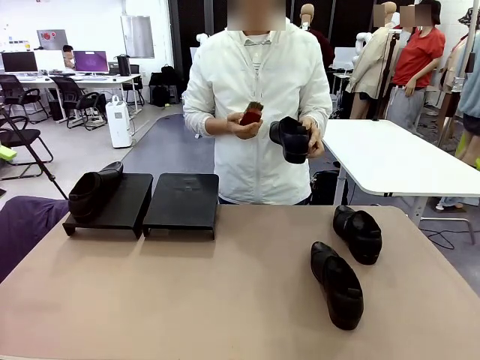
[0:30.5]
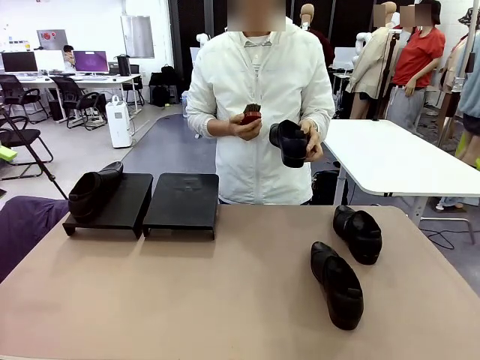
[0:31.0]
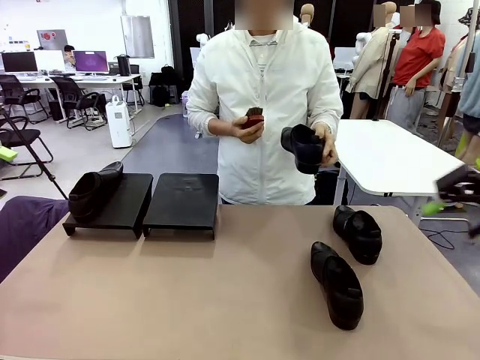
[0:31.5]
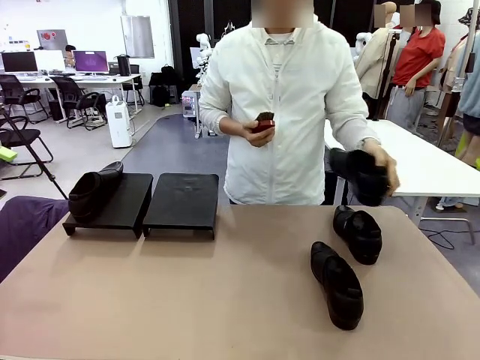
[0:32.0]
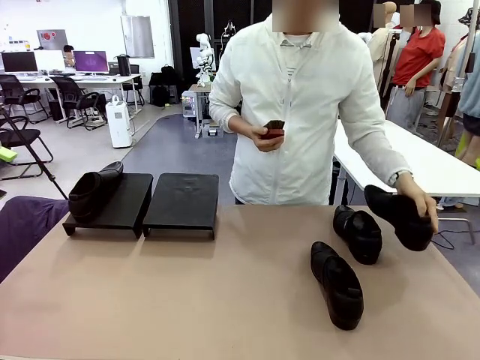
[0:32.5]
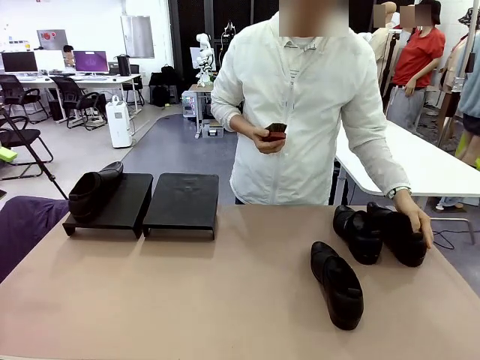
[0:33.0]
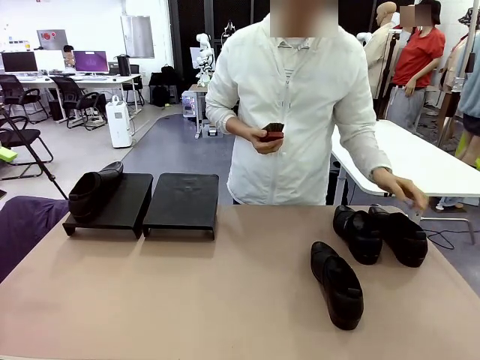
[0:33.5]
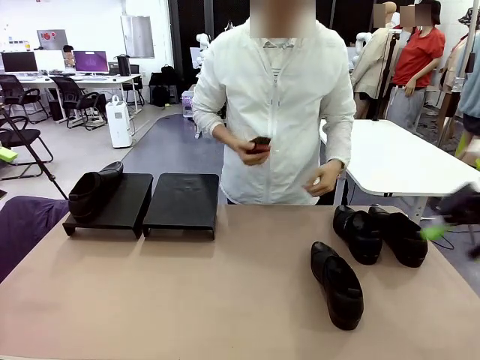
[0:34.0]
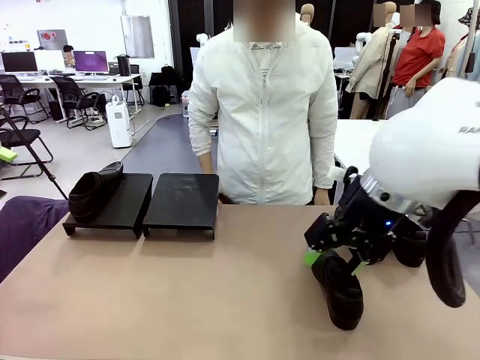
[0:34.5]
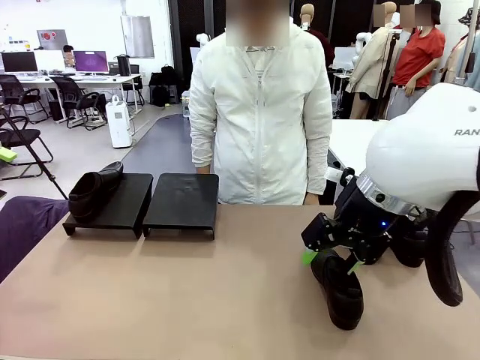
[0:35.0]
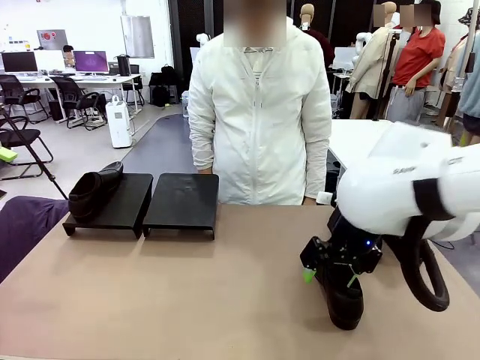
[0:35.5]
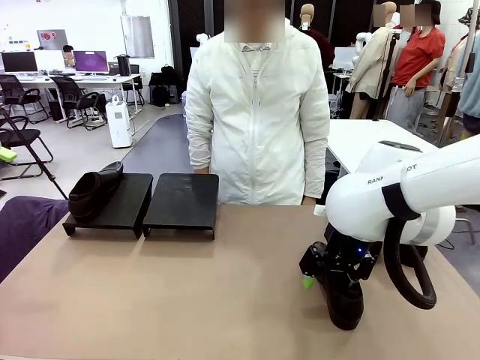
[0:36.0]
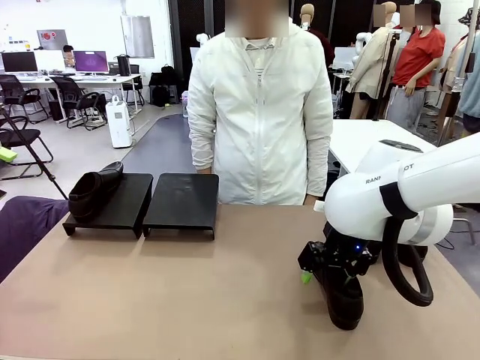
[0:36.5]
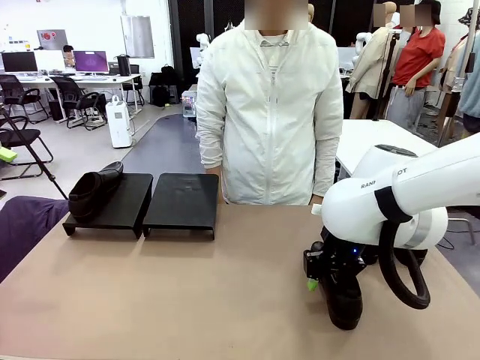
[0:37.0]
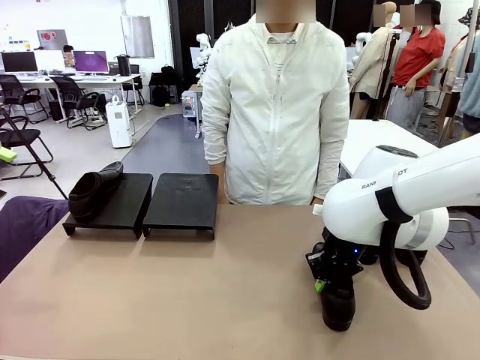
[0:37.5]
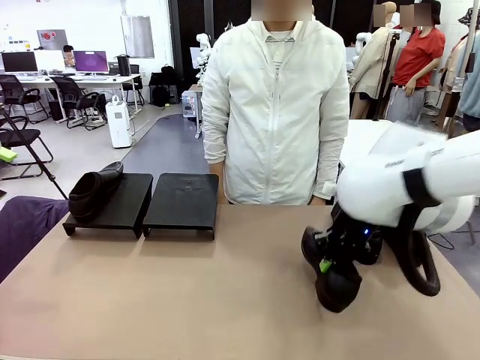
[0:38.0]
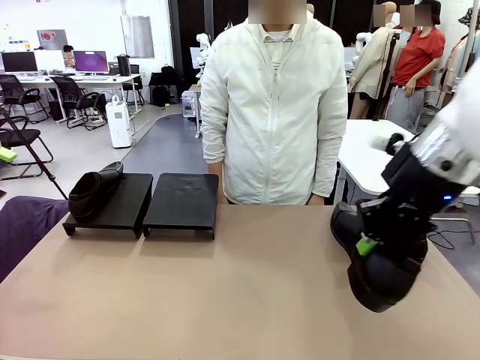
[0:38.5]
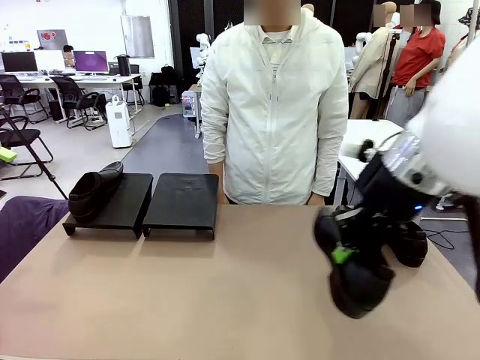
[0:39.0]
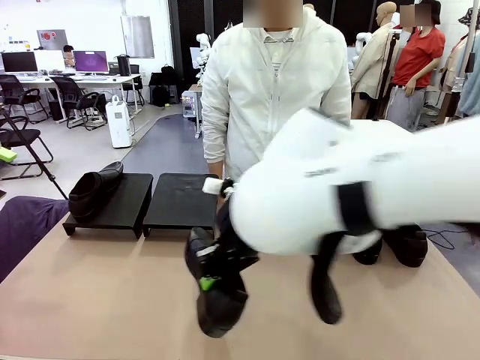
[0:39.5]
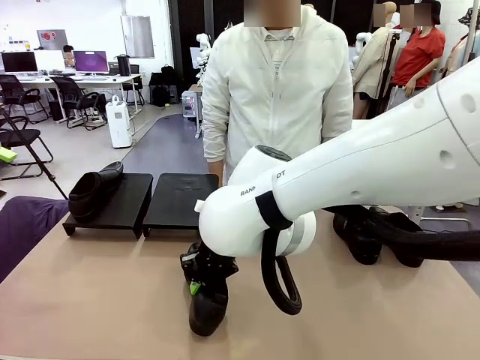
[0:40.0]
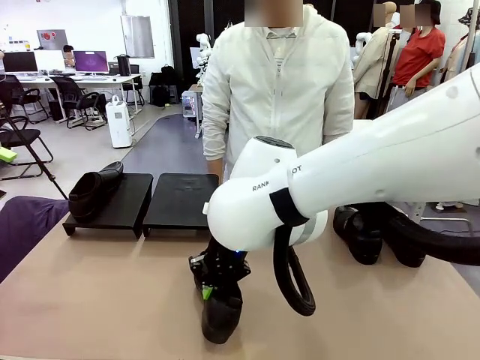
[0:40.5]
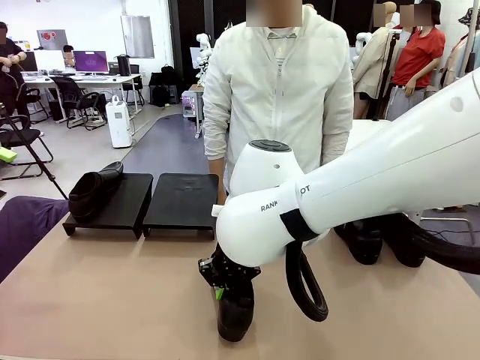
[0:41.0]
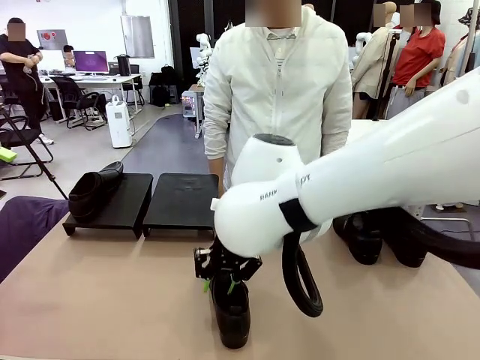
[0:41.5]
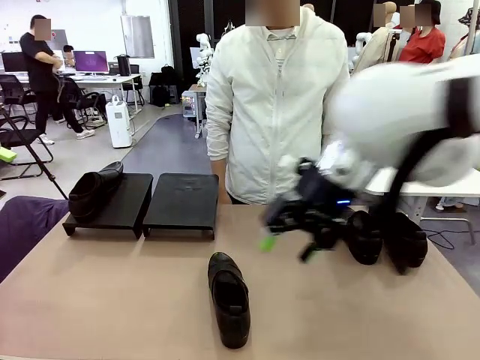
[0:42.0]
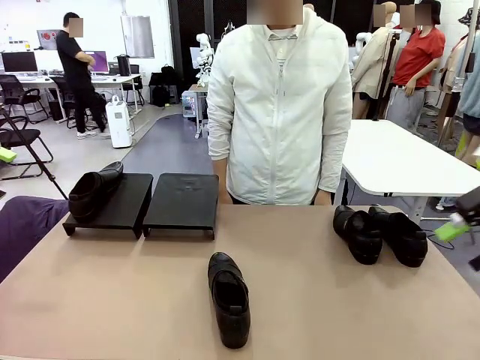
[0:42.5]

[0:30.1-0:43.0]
Task: Organize the shoes by placing them on the stand.
Robot: Pick up one Shoe and place it in the middle of the table.

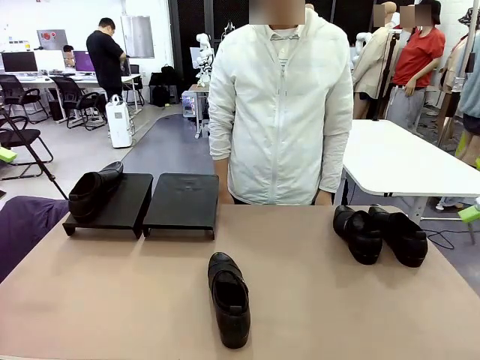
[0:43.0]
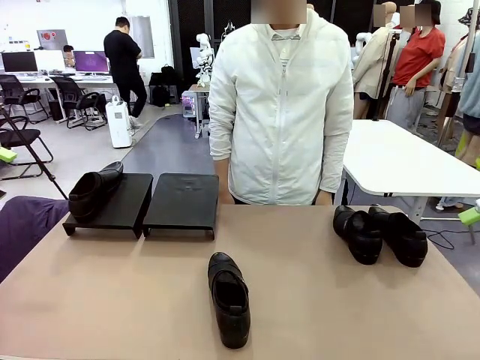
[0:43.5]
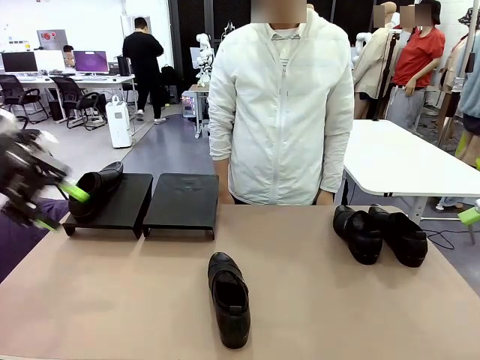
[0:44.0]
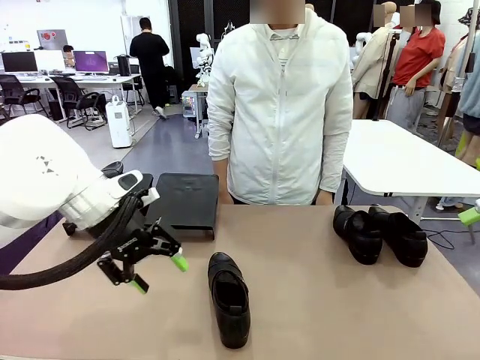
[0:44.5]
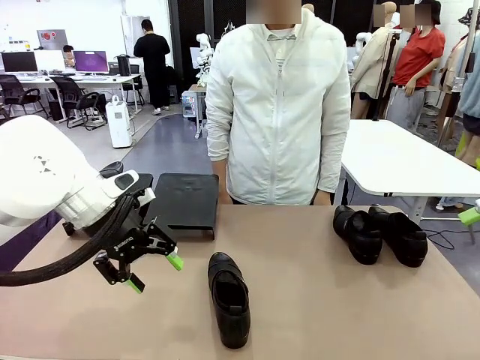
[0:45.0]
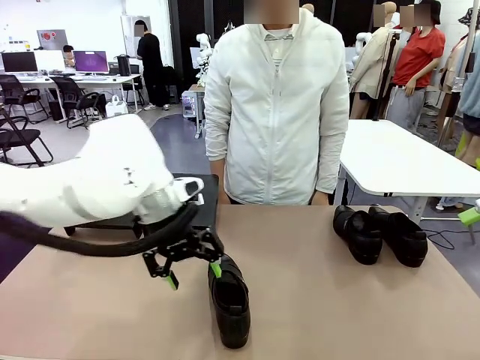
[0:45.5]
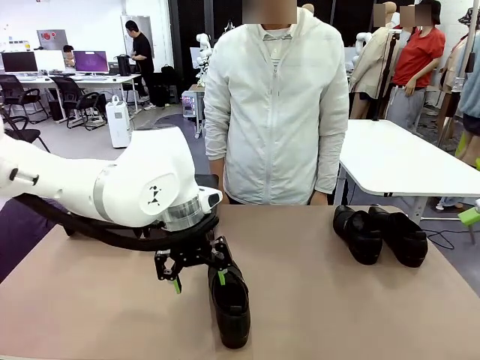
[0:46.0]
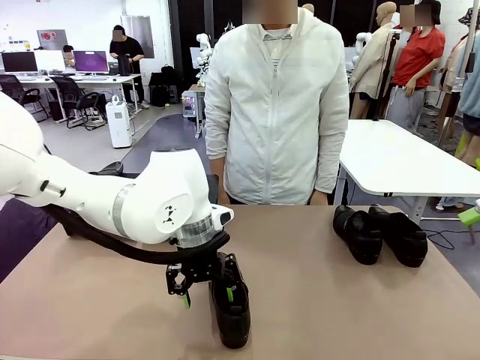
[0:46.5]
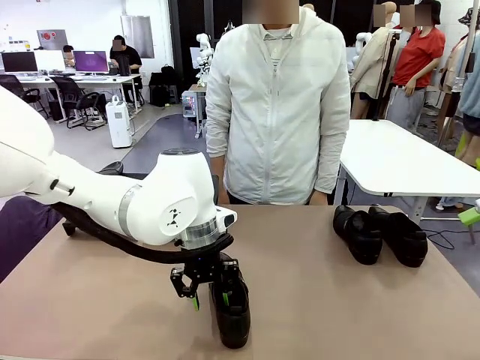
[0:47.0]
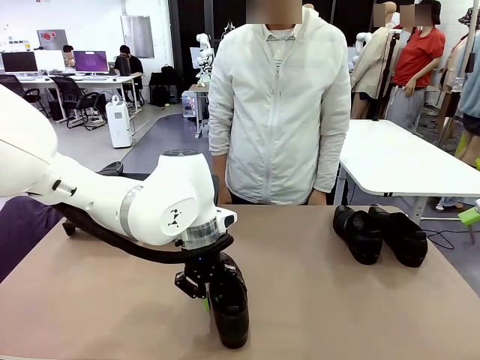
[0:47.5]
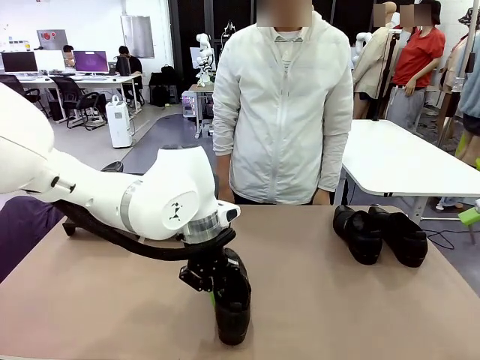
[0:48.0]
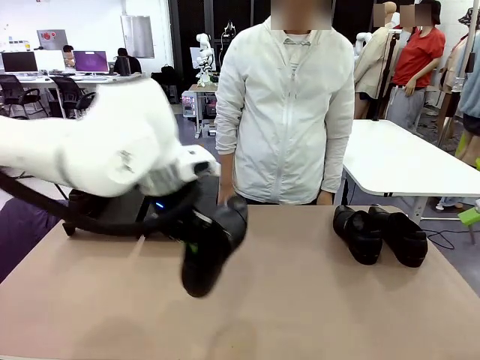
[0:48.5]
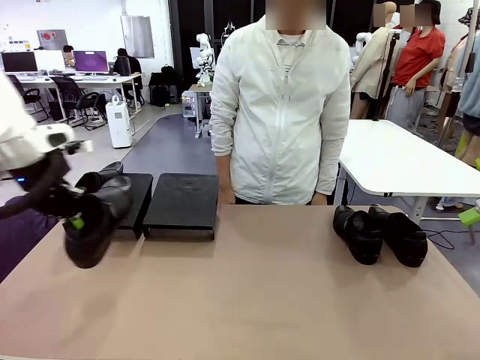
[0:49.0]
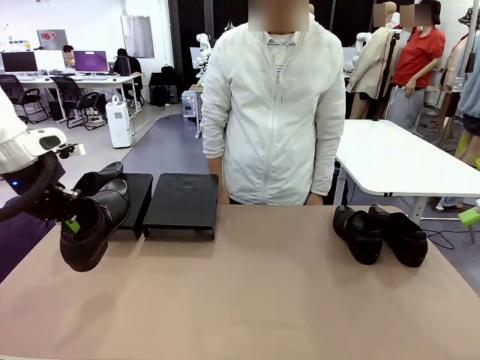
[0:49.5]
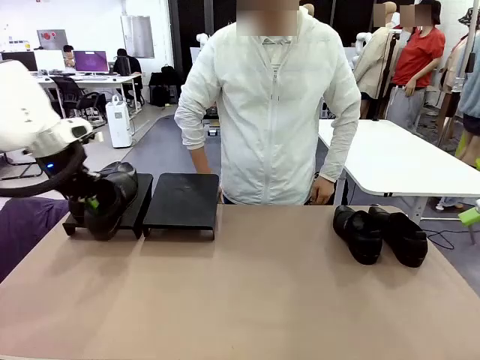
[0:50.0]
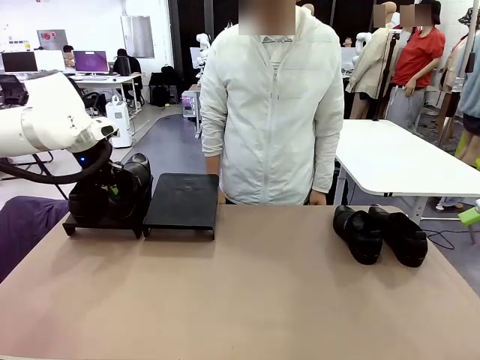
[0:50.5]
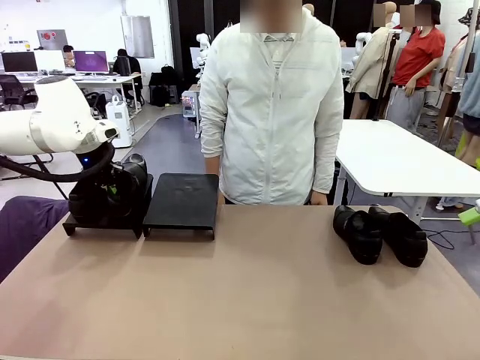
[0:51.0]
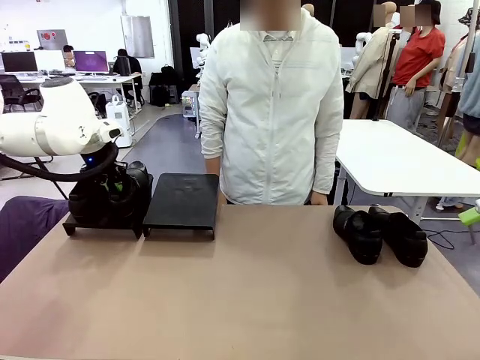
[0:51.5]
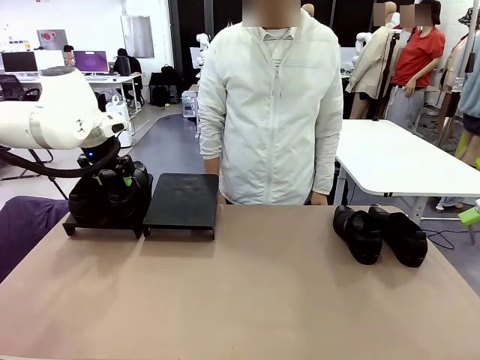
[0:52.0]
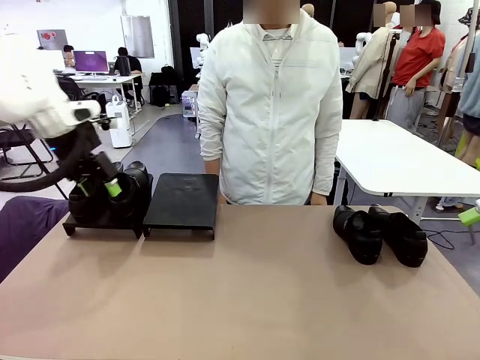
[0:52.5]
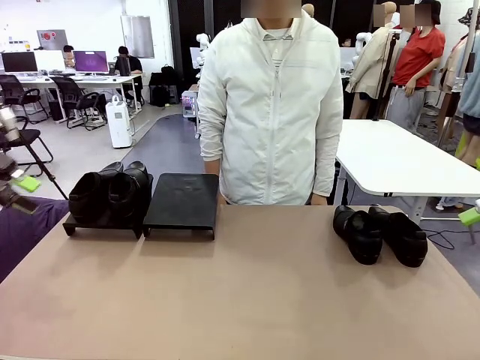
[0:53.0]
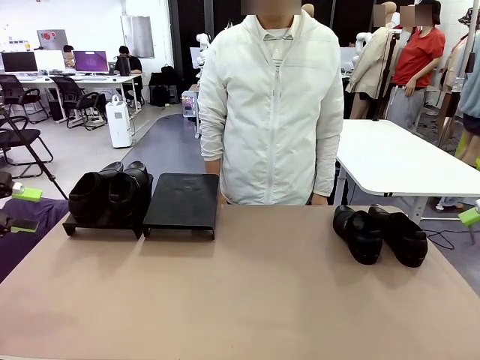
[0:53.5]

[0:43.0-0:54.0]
Robot: Place the Shoe from the middle of the table onto the Shoes Stand.
